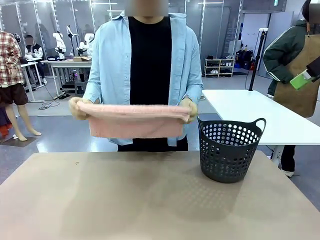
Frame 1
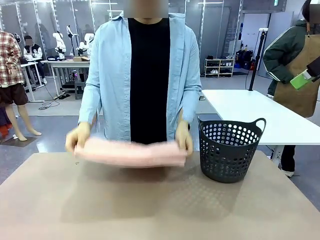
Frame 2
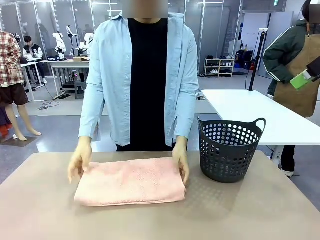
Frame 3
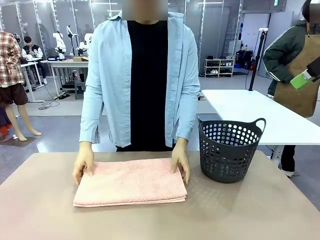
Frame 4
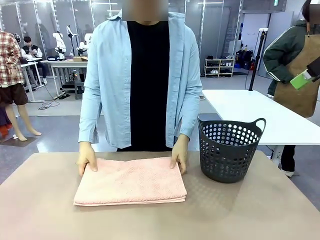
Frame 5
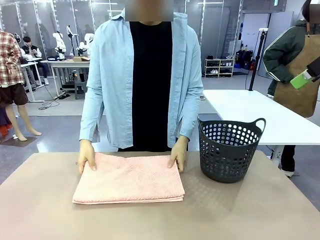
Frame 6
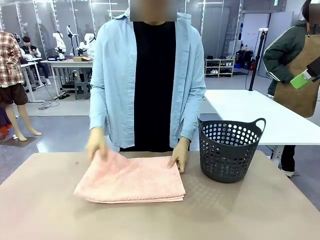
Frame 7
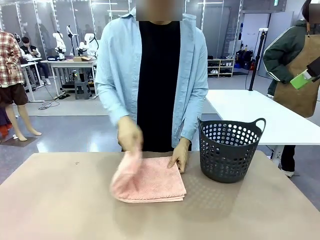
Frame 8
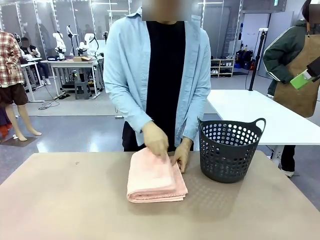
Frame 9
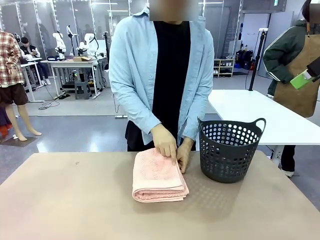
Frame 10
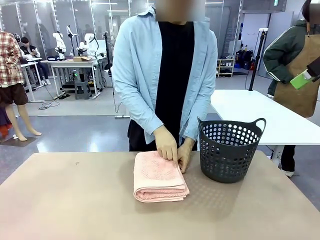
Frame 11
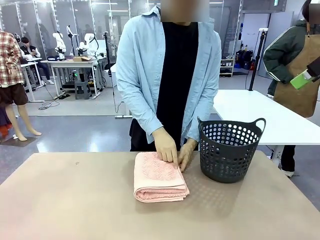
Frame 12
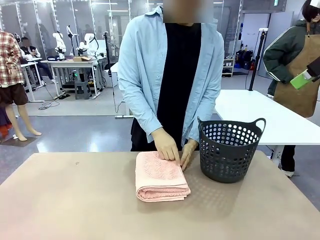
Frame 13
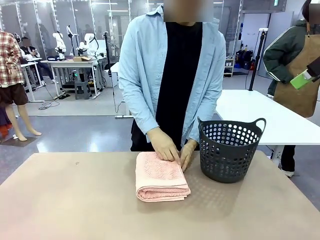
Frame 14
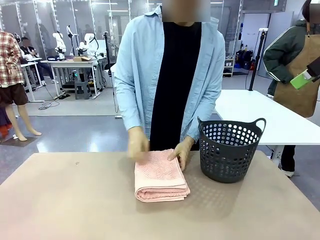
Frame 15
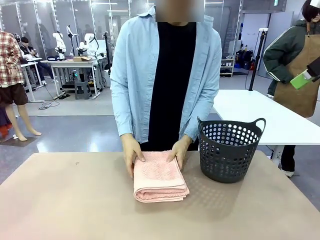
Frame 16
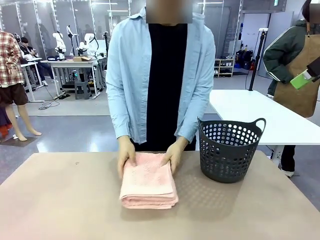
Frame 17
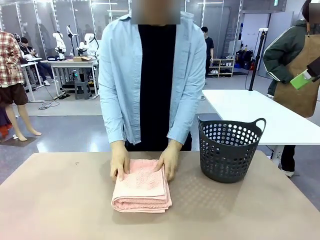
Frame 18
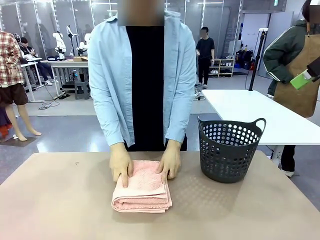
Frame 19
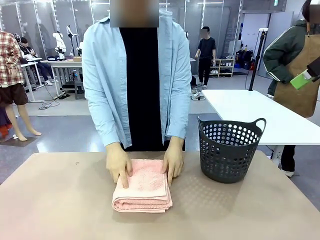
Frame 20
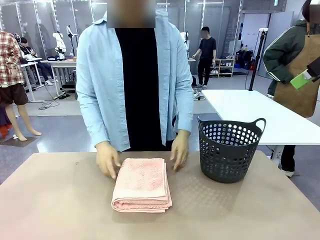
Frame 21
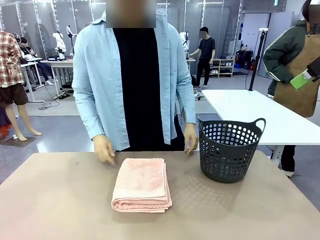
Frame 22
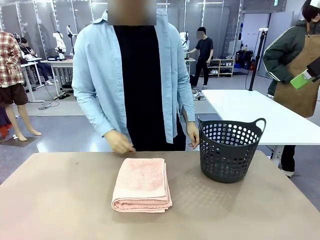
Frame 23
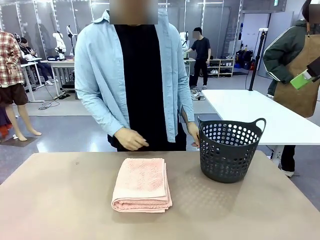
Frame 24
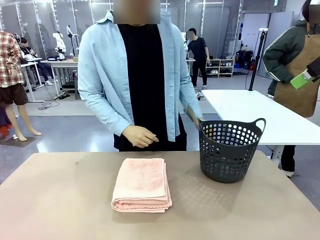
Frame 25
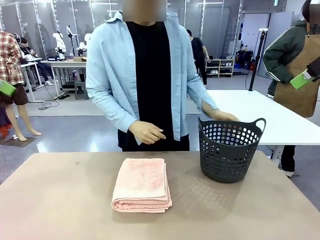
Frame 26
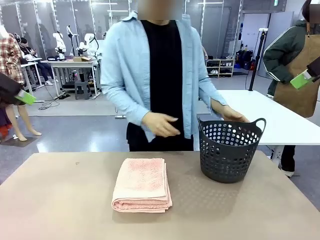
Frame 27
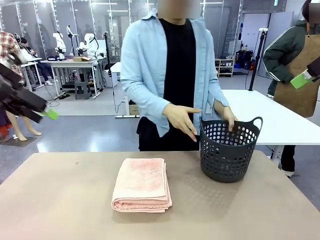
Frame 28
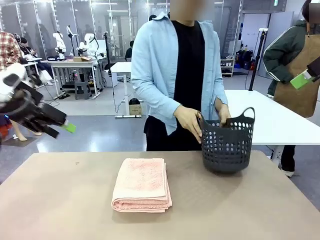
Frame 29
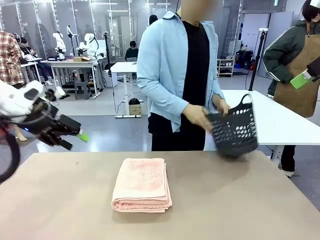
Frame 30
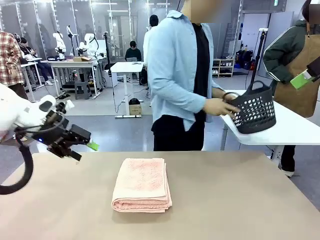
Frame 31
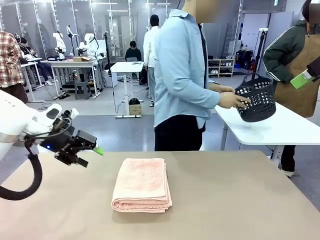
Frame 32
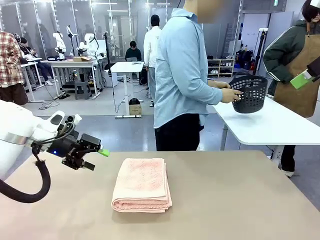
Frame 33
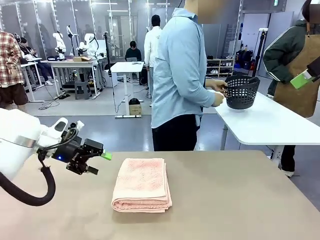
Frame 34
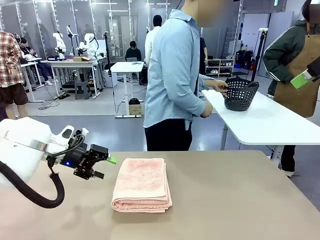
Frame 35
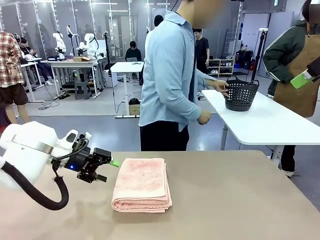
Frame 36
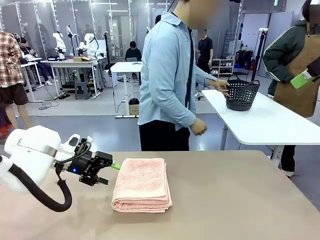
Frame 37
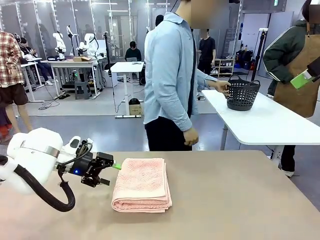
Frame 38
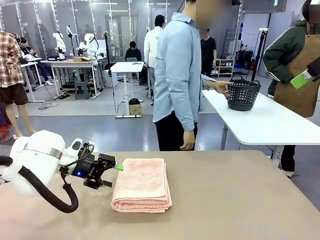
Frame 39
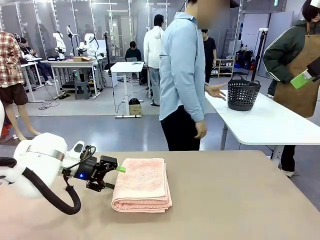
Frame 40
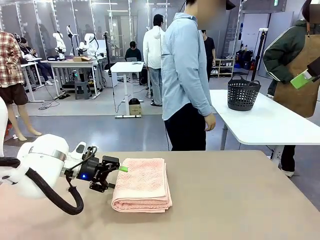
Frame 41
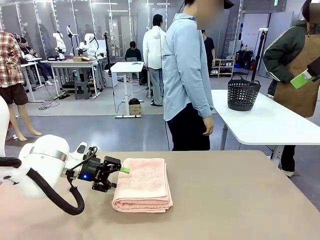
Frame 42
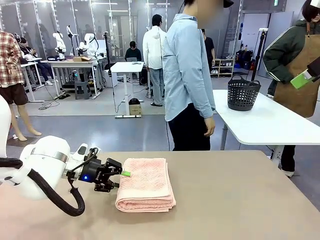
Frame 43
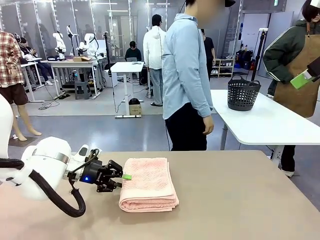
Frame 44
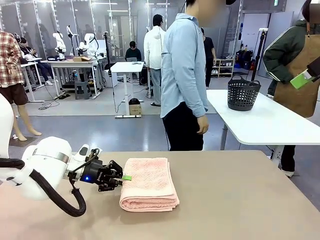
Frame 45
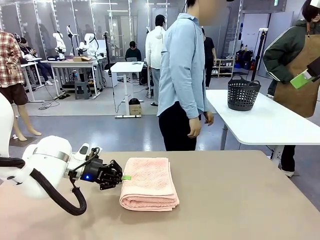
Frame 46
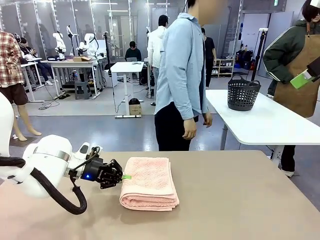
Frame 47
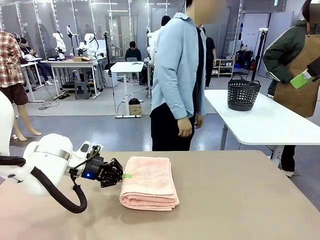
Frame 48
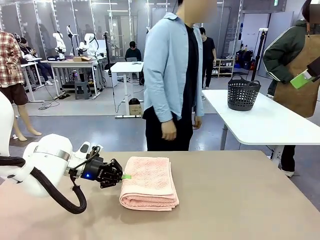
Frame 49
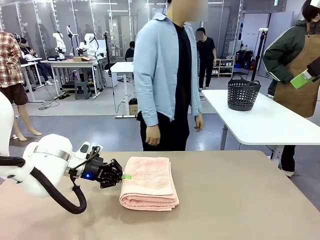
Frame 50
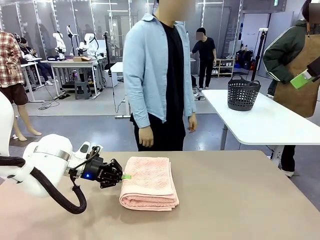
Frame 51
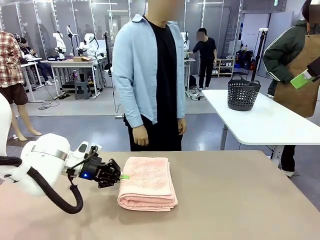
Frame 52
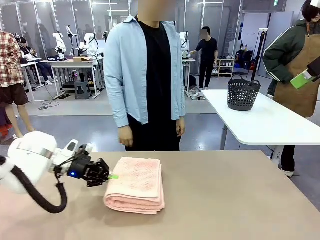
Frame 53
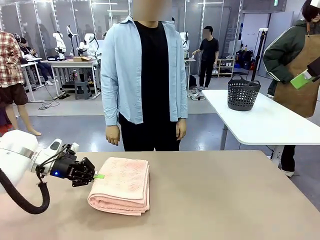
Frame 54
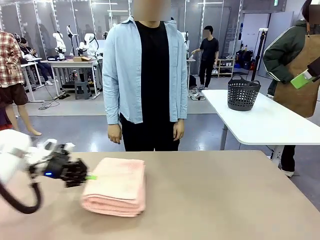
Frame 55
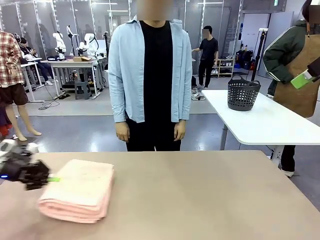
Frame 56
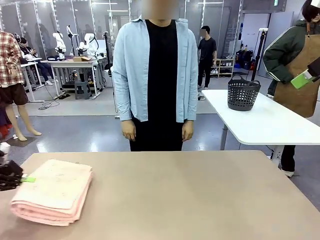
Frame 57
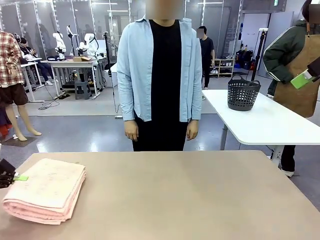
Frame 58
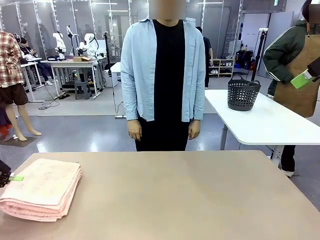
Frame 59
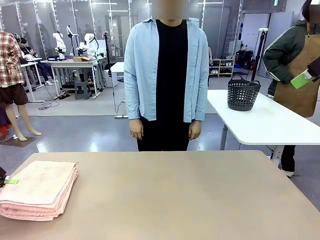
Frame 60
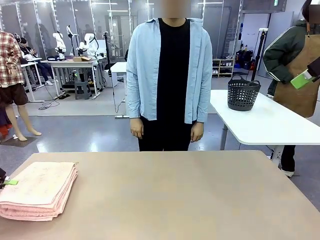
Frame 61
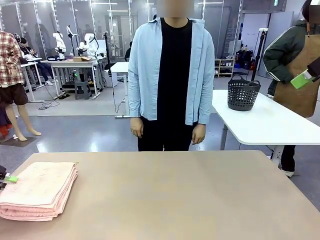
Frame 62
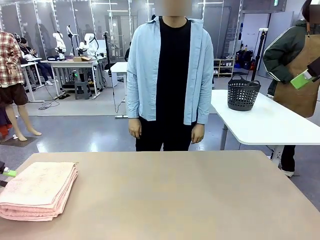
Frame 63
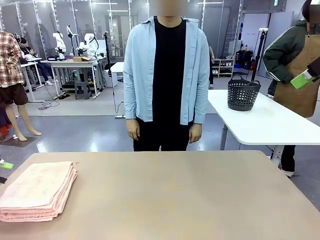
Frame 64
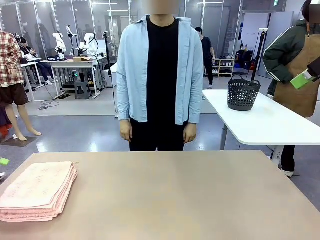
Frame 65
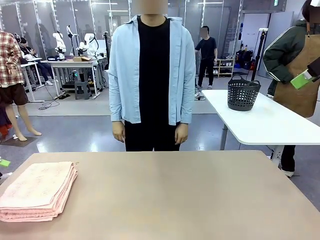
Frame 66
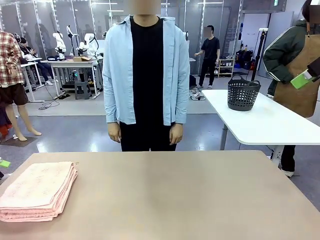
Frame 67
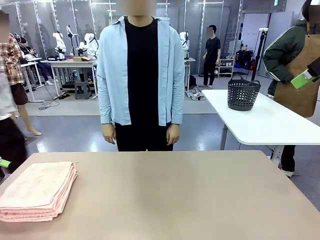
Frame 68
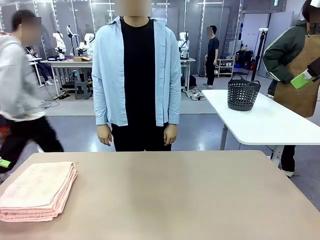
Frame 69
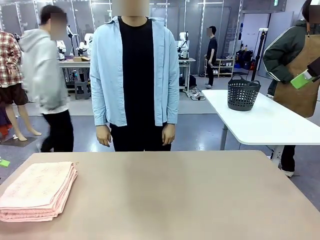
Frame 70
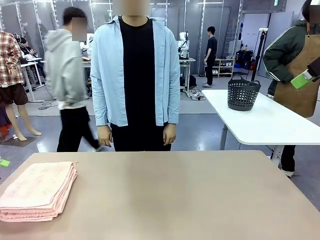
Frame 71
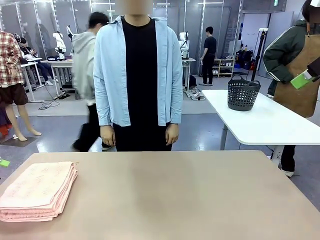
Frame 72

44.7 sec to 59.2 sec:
Task: Fold the towel.
Robot: Pick up the 100 cm Hotel Towel and place it on the left side of the table.
Person: Place the towel at the center of the robot table and fold it in half. Pick up the laundry basket and place it at the center of the human table.
